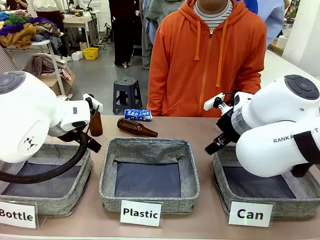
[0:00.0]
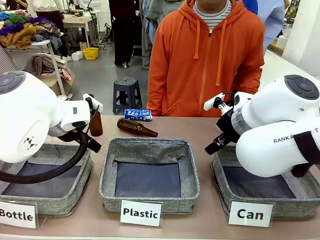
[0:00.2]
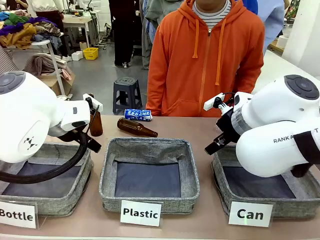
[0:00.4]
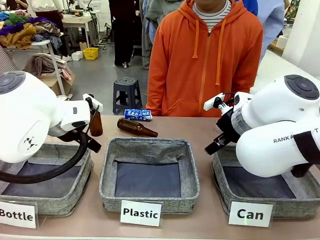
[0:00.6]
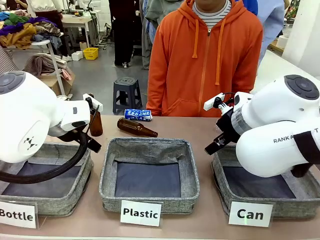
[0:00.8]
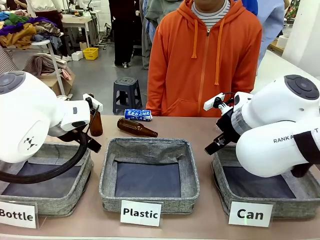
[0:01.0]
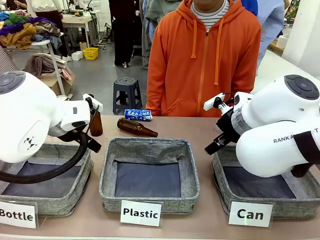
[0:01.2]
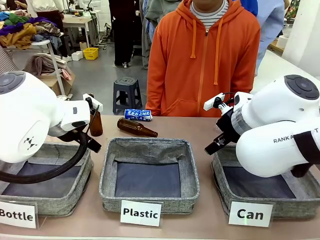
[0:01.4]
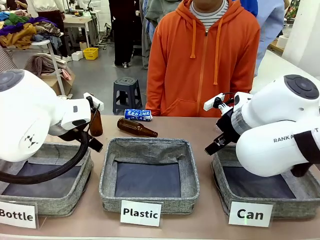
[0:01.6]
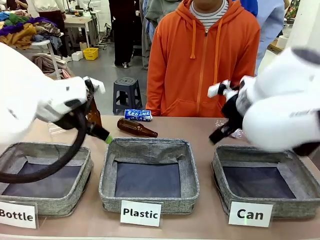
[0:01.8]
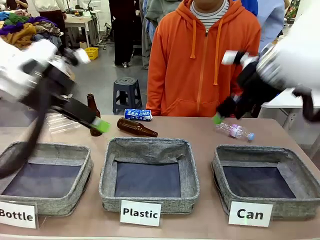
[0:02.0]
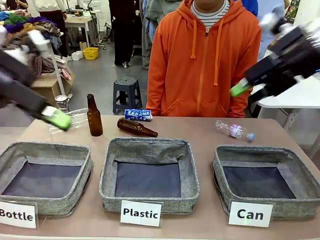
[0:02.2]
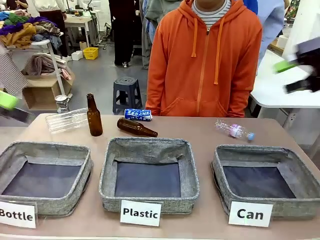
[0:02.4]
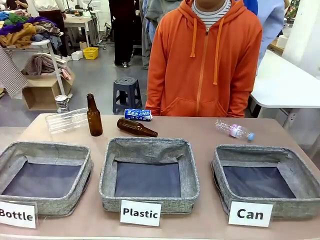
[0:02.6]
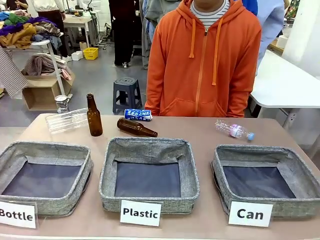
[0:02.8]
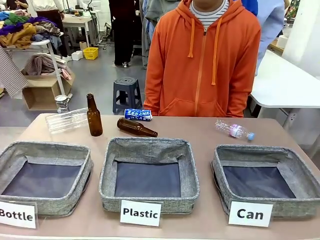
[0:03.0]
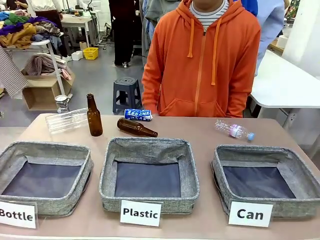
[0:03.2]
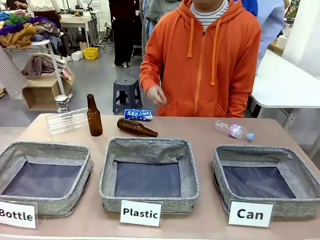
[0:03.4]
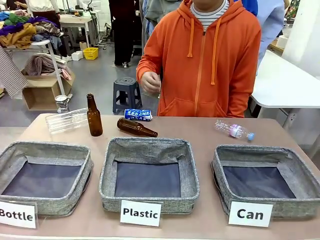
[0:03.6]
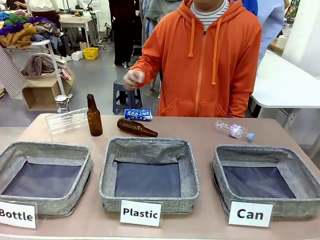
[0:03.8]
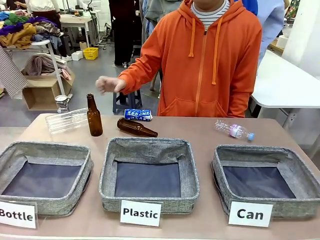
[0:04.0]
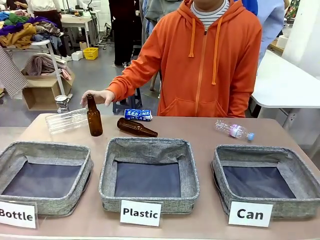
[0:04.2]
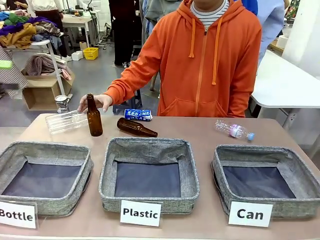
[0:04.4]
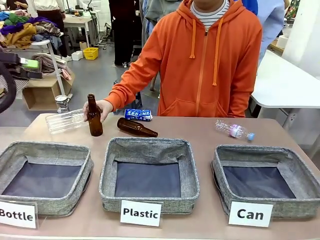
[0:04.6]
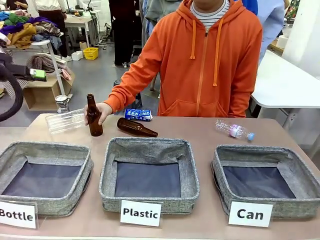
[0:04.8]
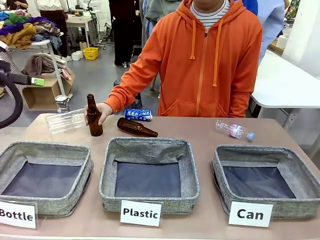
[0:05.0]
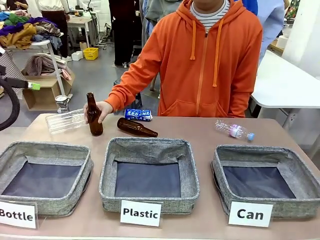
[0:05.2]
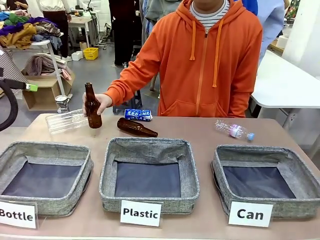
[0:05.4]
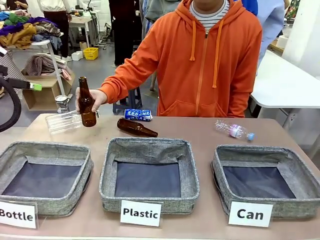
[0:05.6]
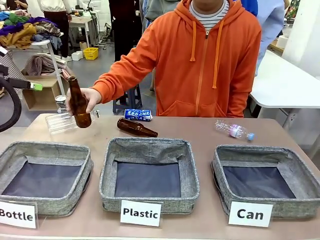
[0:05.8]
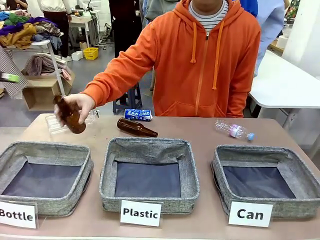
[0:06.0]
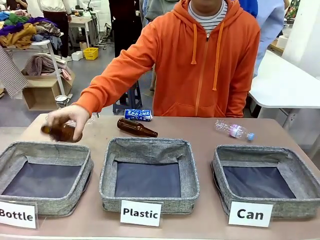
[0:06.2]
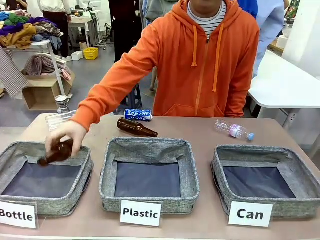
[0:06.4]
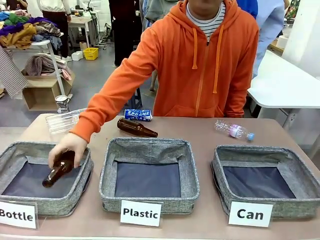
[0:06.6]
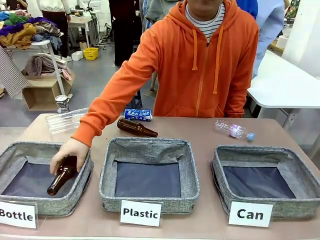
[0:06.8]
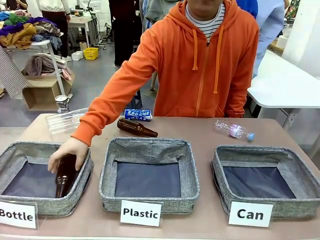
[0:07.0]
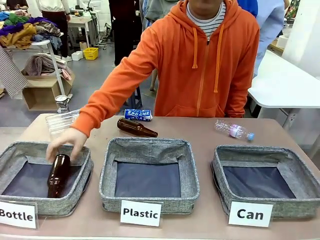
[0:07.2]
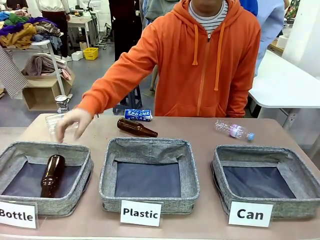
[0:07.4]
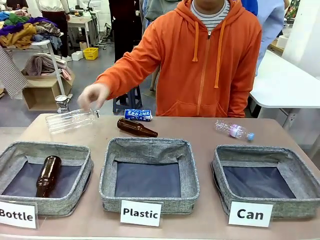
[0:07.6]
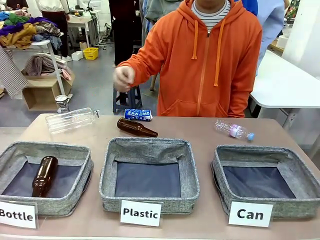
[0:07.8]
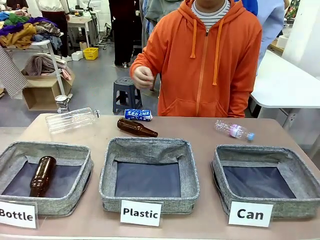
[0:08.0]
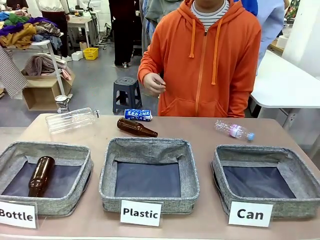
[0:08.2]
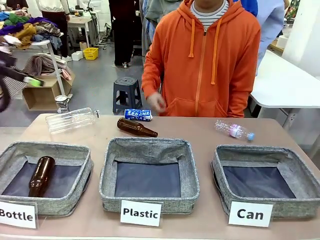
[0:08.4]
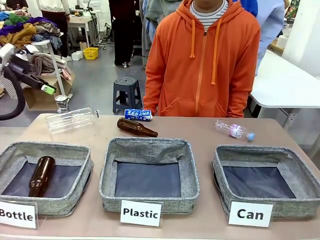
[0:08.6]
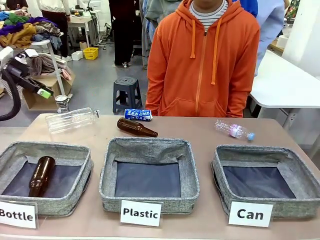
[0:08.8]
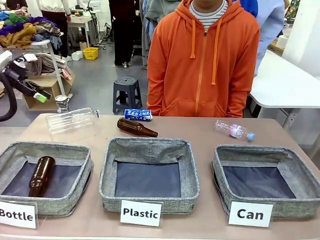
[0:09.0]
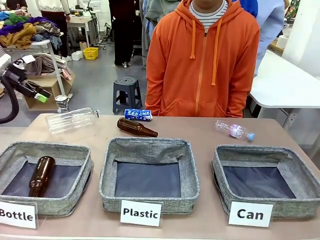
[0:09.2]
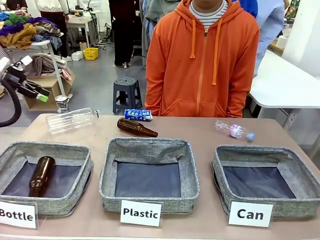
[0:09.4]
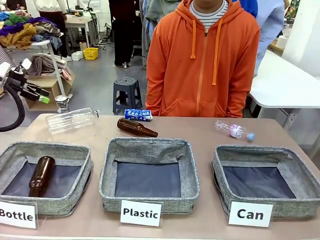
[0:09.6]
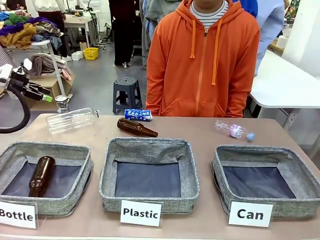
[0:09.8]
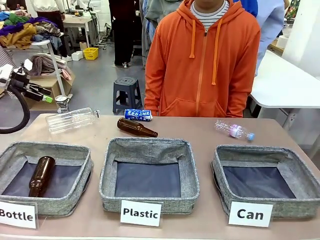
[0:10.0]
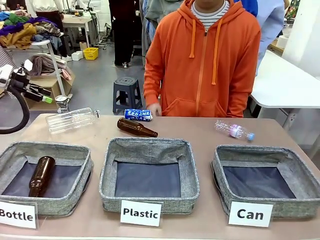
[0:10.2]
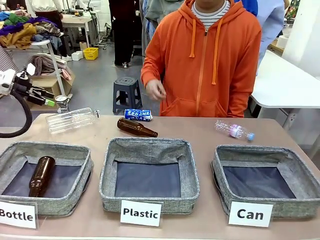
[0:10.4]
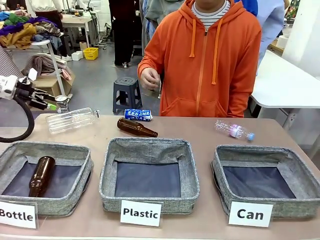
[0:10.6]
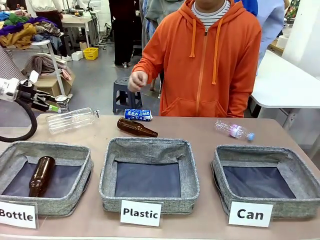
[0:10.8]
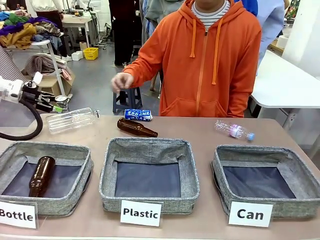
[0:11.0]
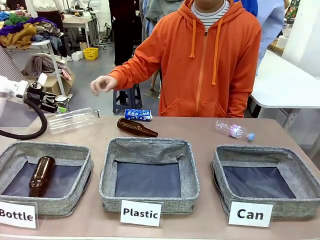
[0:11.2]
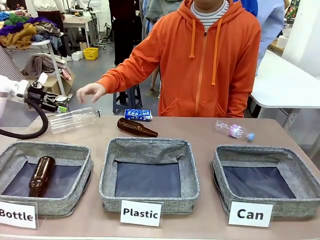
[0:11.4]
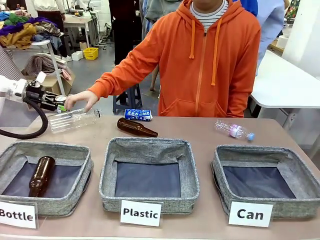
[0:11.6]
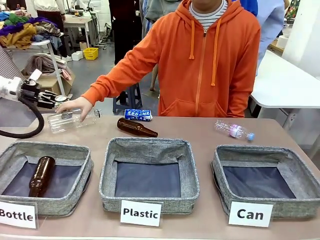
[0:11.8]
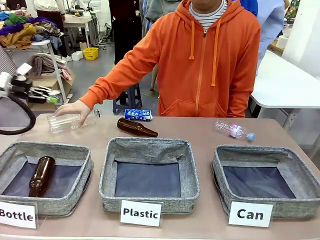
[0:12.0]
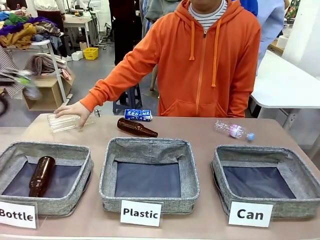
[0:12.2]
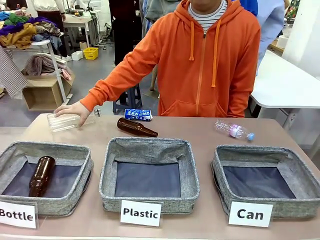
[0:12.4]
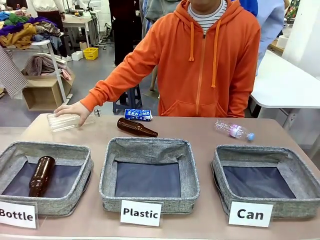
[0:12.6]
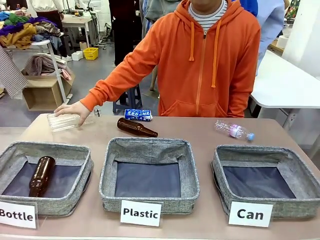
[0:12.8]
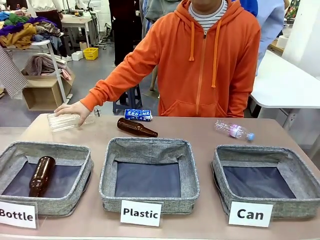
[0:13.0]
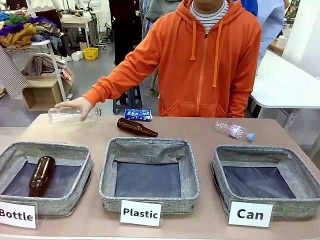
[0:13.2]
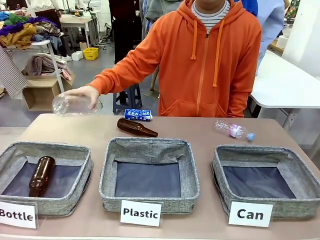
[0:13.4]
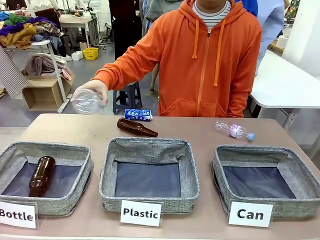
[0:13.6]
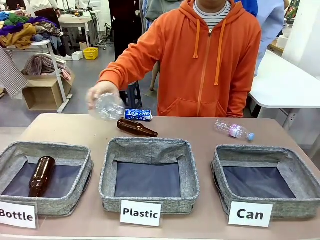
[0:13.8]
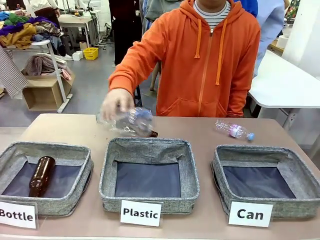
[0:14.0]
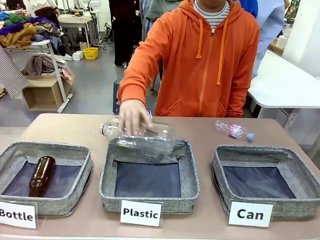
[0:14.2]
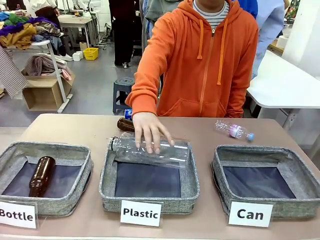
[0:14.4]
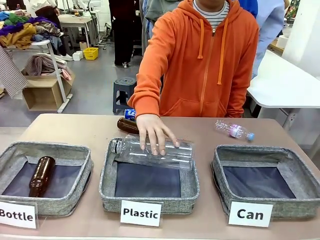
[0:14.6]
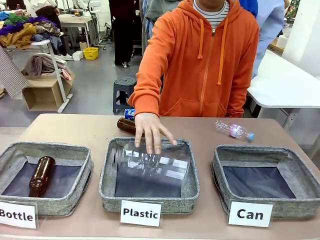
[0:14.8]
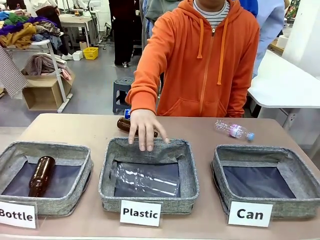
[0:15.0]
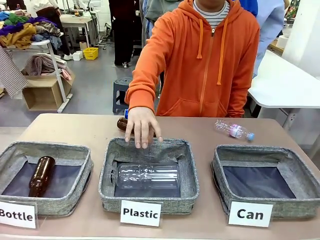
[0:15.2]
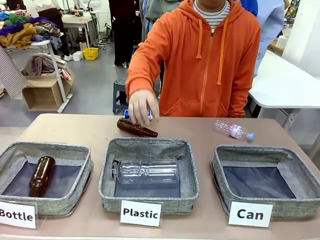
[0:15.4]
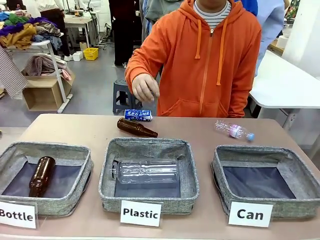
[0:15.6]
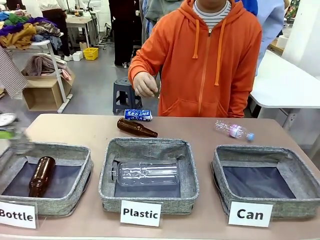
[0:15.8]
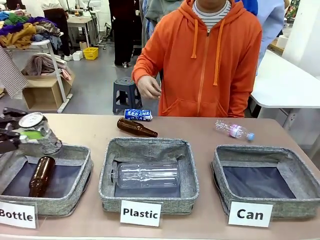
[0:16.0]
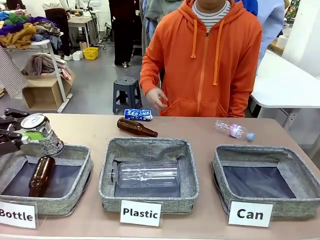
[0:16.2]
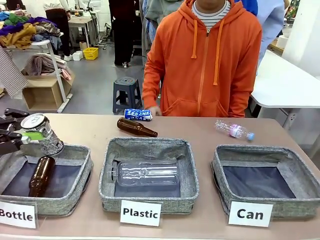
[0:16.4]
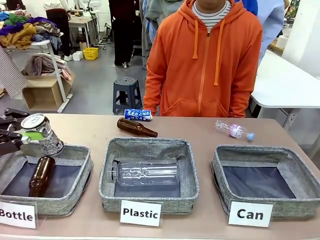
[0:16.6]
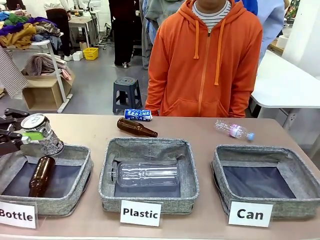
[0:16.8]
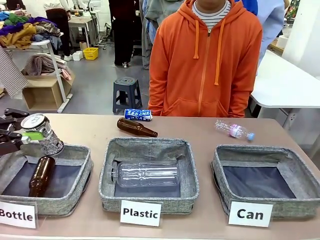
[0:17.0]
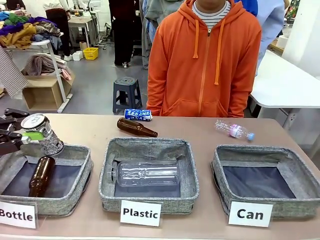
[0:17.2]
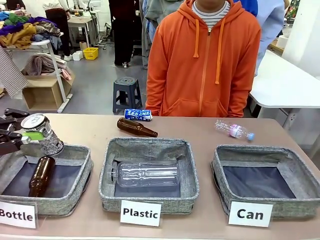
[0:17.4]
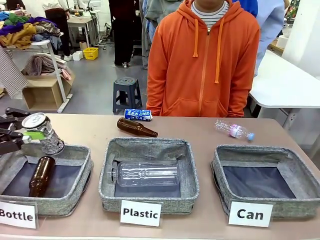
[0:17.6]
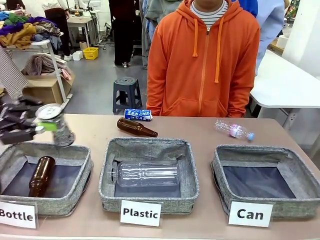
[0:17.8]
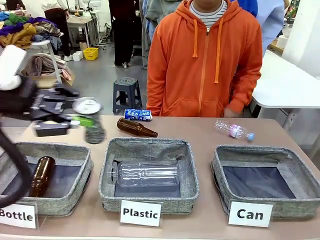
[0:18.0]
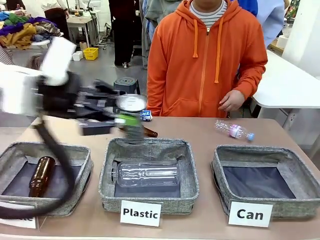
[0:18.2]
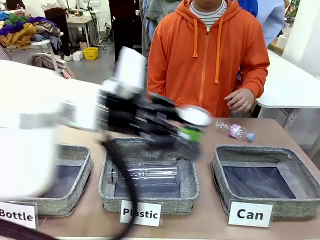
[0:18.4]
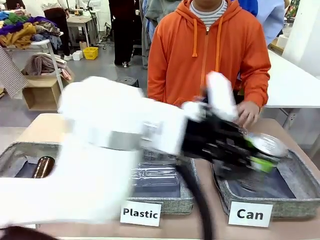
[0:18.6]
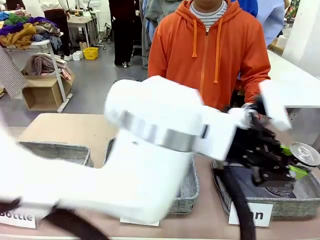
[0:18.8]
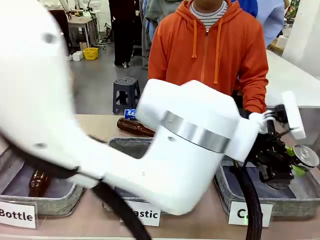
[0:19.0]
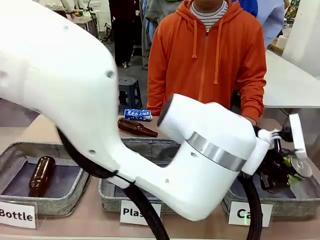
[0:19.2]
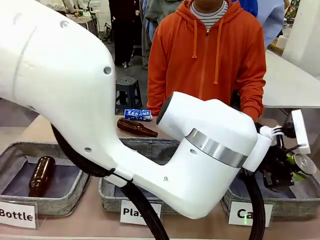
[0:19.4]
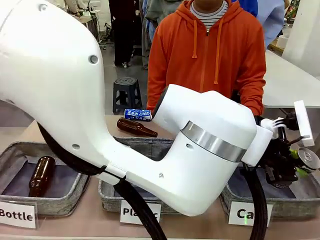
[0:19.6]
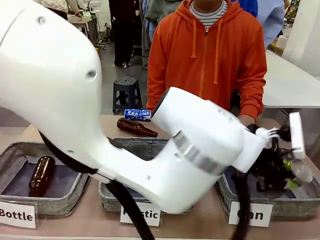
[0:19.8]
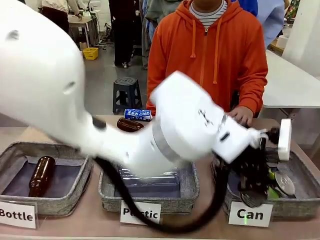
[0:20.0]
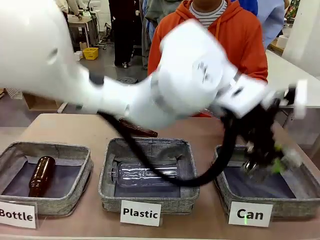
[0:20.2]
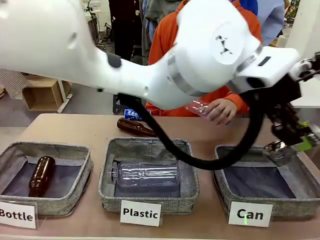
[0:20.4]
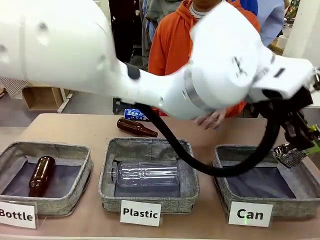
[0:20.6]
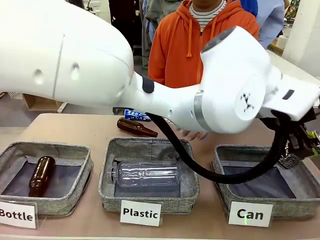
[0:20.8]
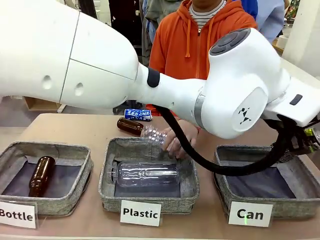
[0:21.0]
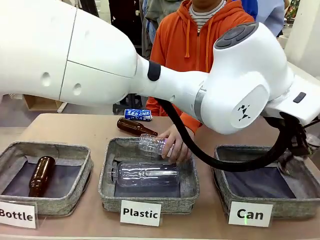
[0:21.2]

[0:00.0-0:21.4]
Task: Sort the can waste into the basket.
Robot: Pick up the can waste from the table and place it in the right Fabric basket.
